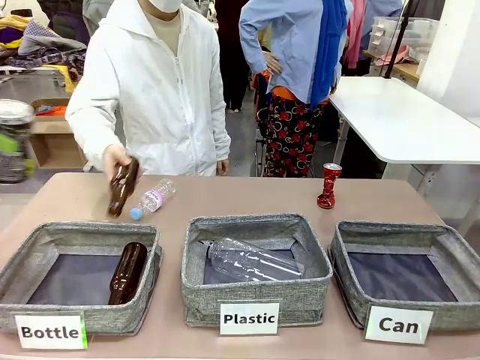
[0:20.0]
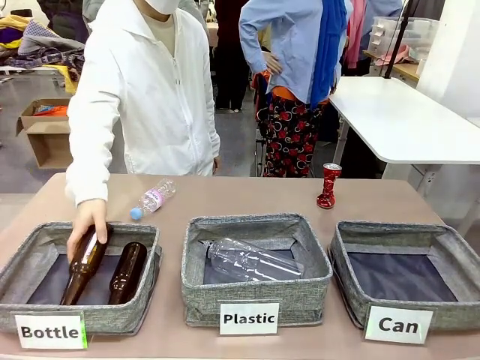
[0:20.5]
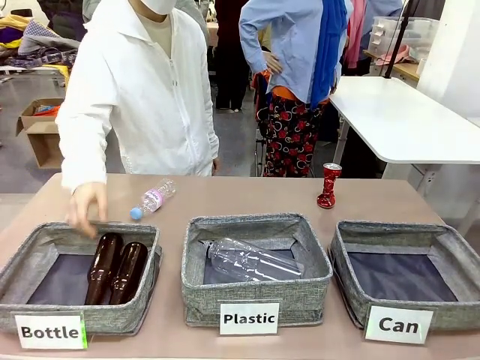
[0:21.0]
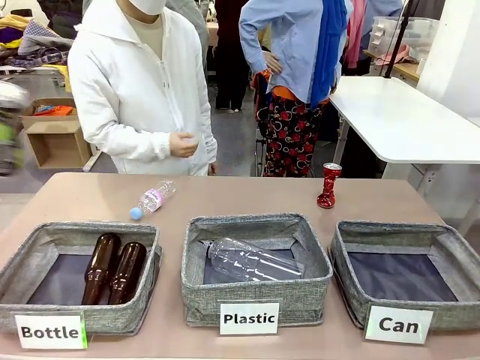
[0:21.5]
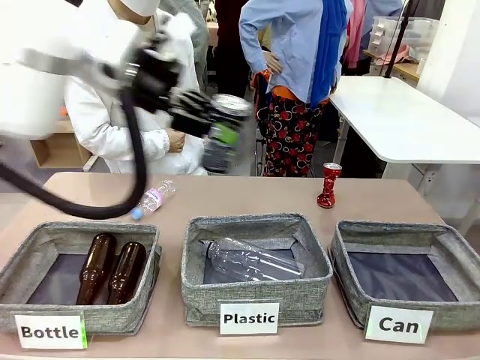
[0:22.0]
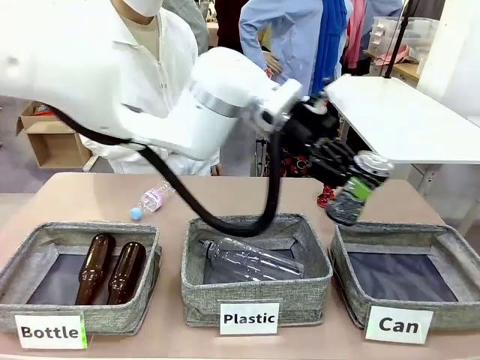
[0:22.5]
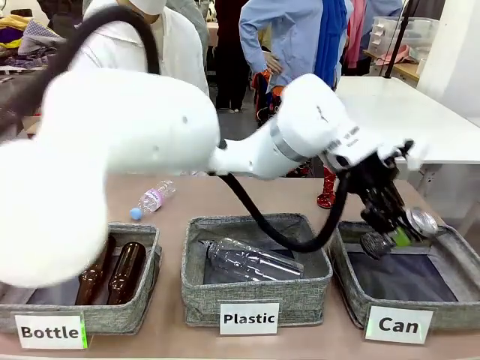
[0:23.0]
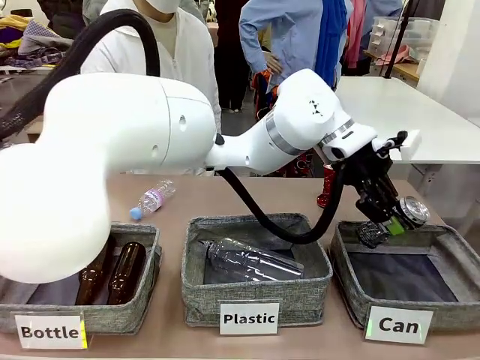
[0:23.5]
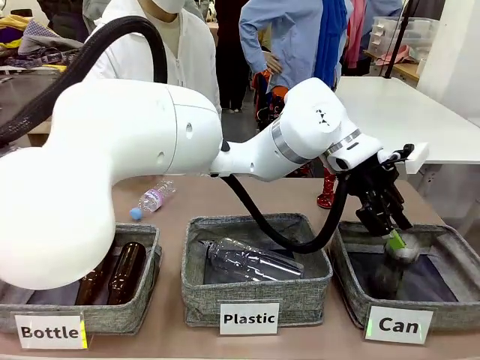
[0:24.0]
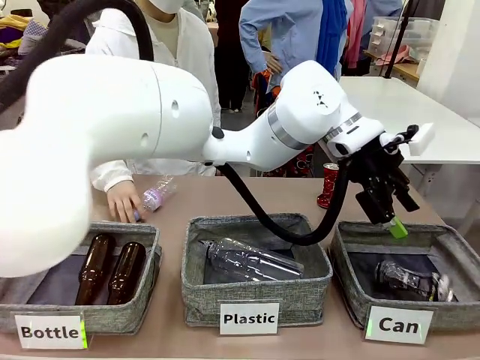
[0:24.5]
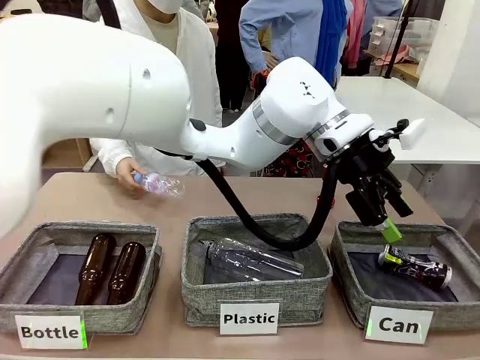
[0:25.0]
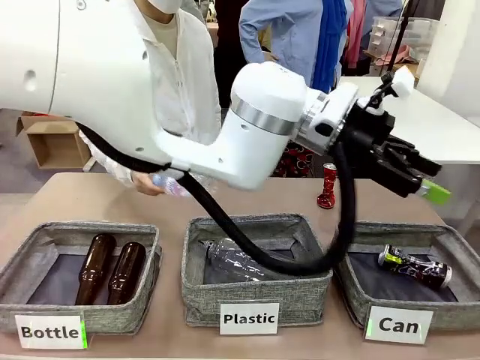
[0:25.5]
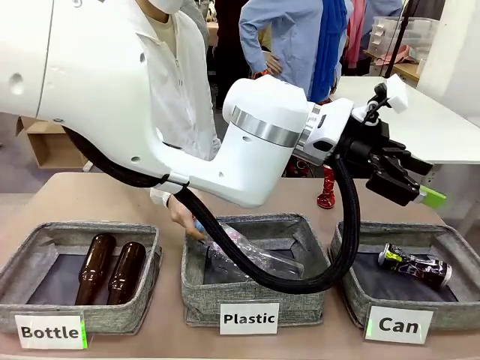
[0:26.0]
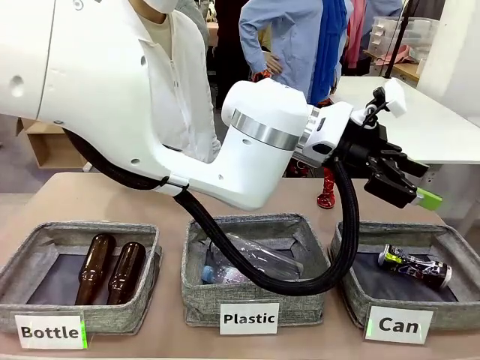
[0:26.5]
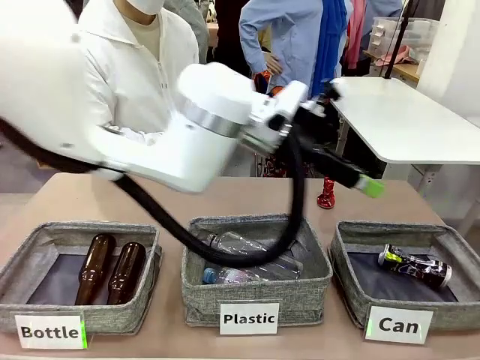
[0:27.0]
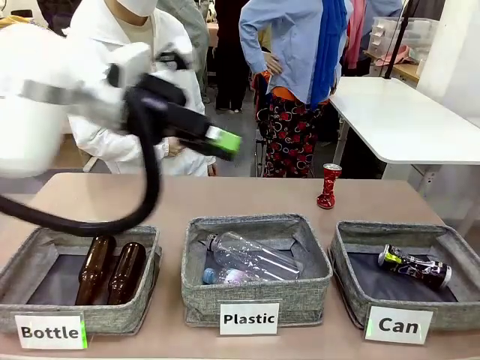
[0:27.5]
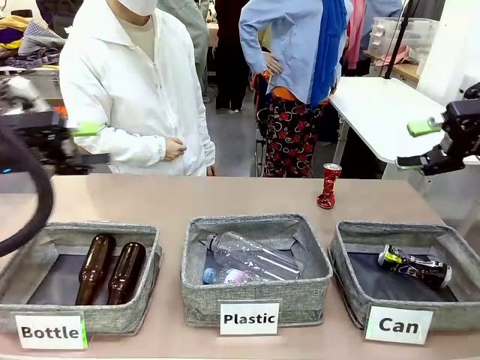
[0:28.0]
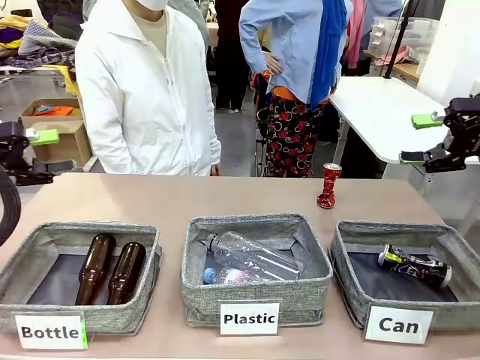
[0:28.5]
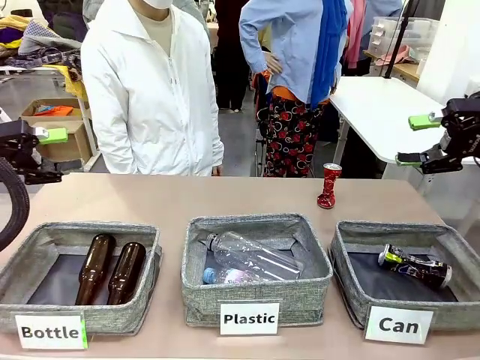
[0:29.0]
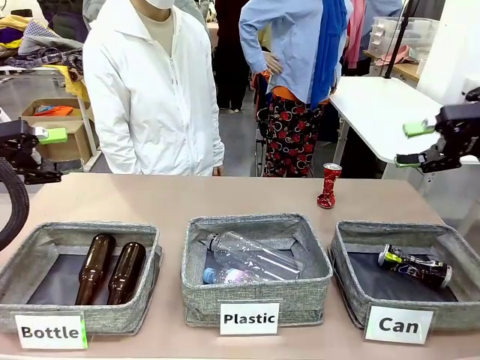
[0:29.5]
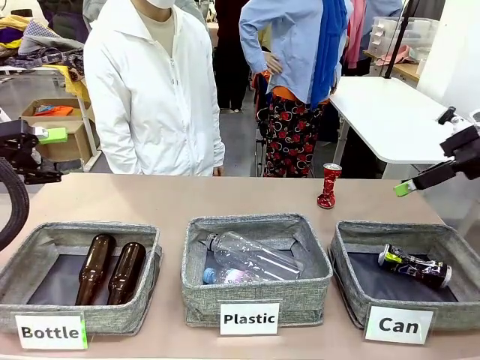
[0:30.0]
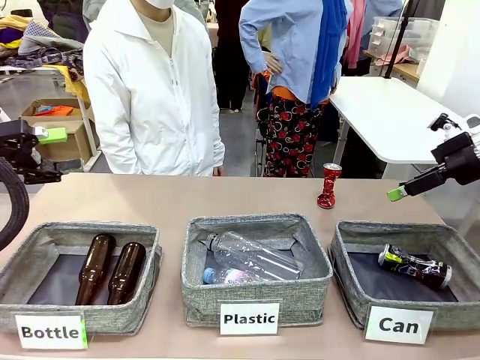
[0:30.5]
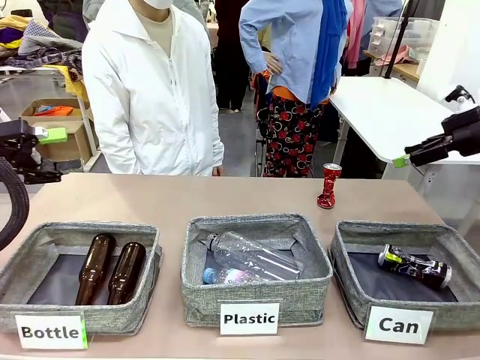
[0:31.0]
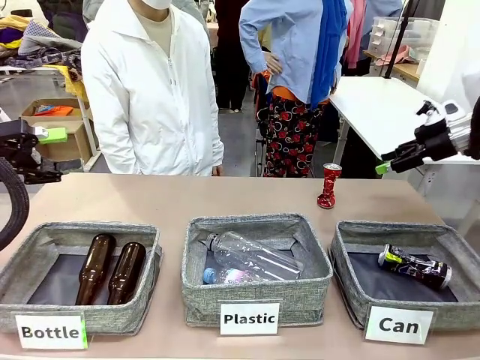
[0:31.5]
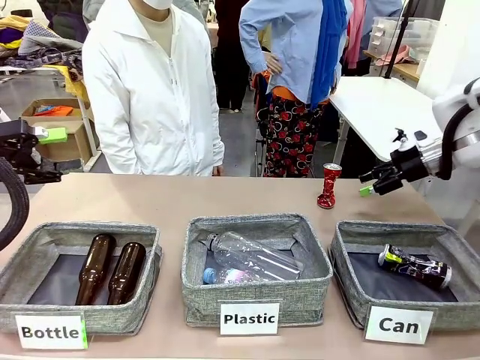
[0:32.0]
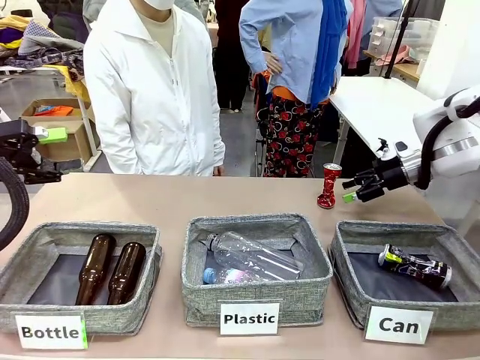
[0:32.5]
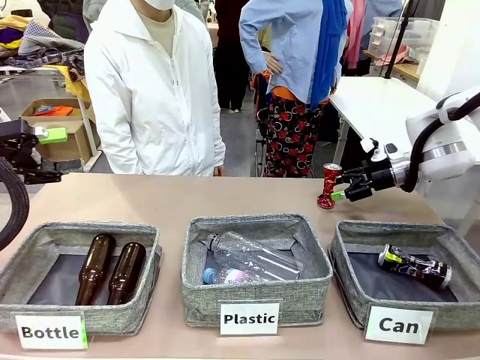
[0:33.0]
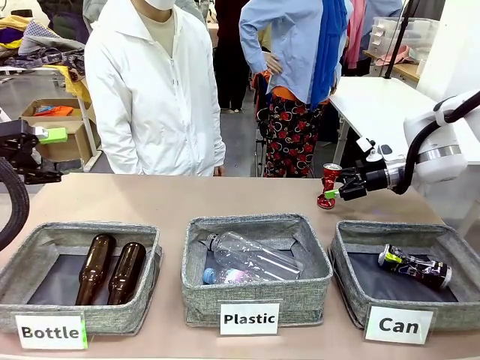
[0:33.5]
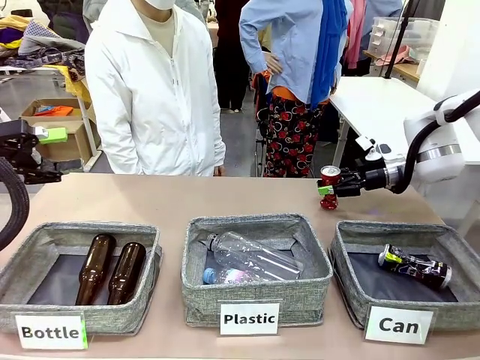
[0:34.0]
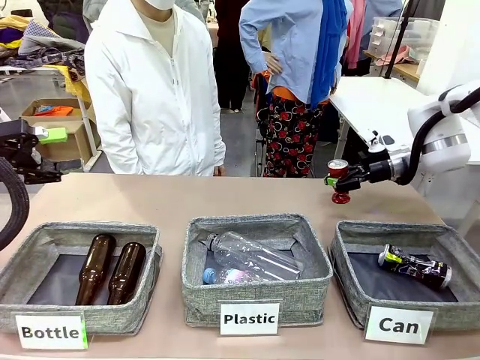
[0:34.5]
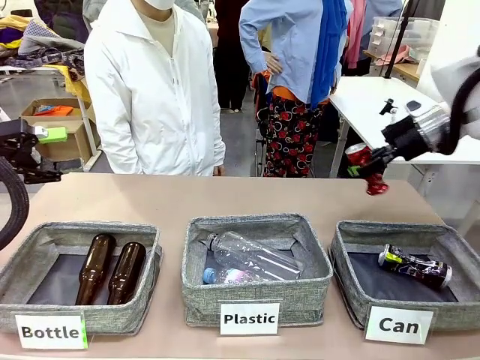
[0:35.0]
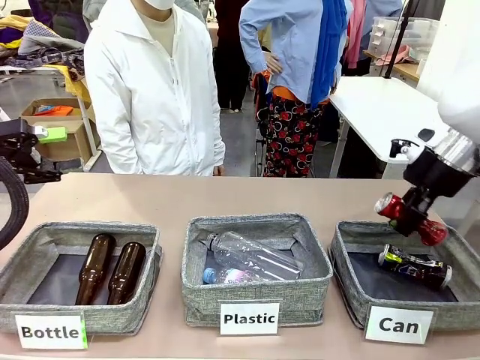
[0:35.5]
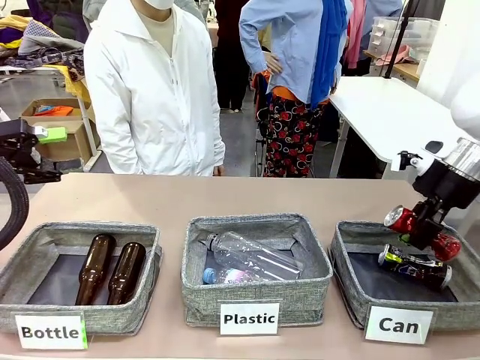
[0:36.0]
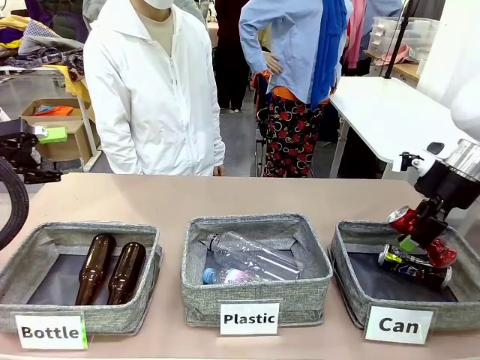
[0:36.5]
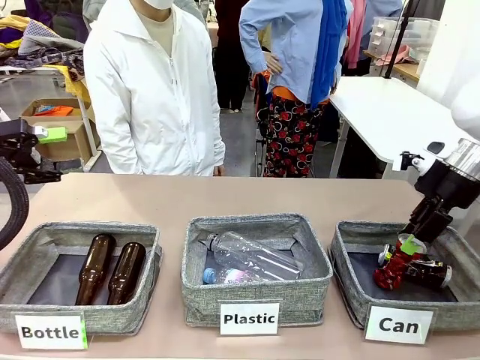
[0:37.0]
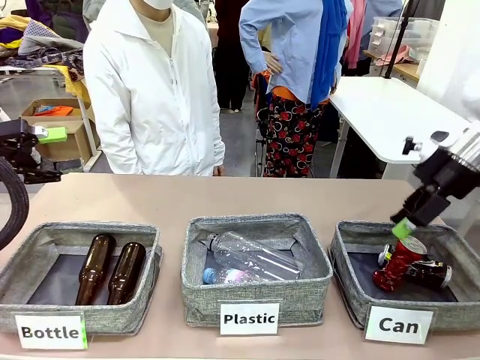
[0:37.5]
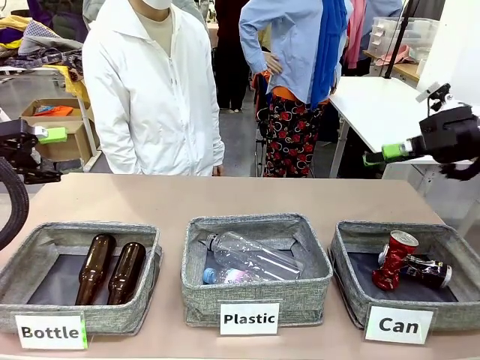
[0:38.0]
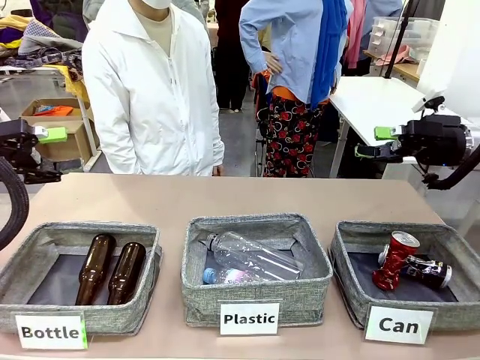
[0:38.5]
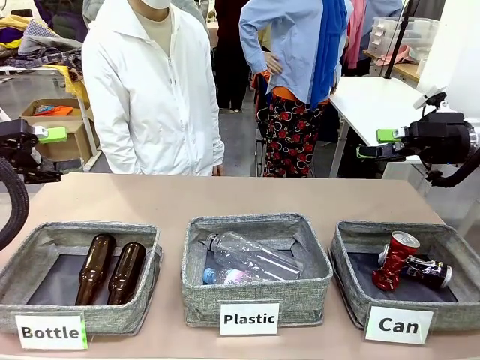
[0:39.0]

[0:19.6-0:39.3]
Task: Sort the can waste into the basket.
Robot: Pick up the can waste from the table and place it in the right Fabric basket.
Person: The human picks up one piece of trash that is not a can and places the trash into the appropriate organizing basket.

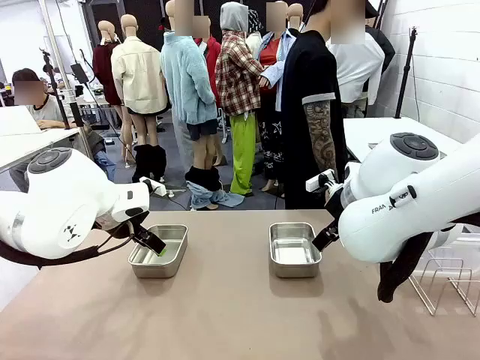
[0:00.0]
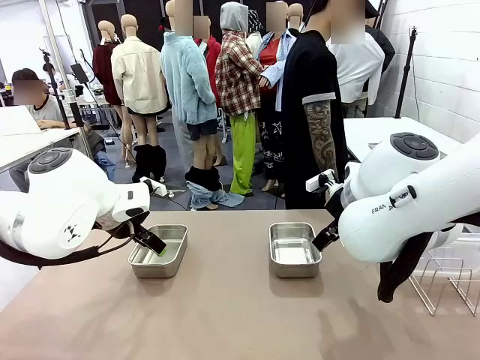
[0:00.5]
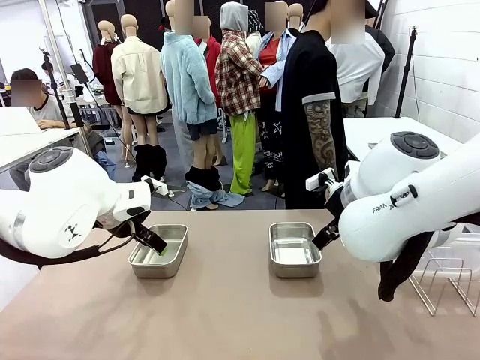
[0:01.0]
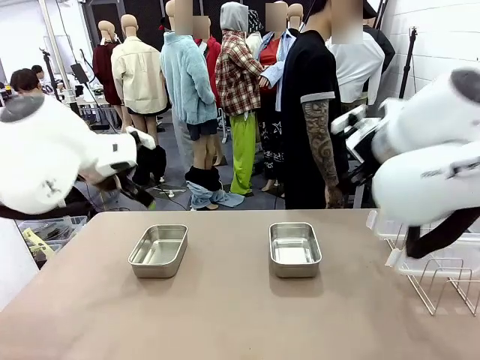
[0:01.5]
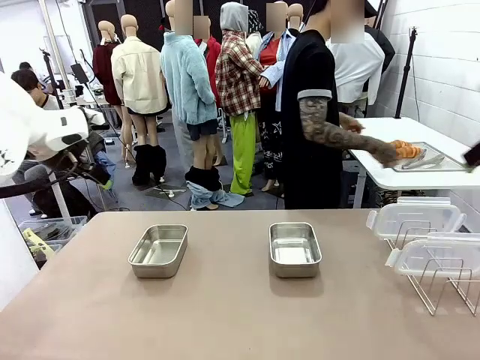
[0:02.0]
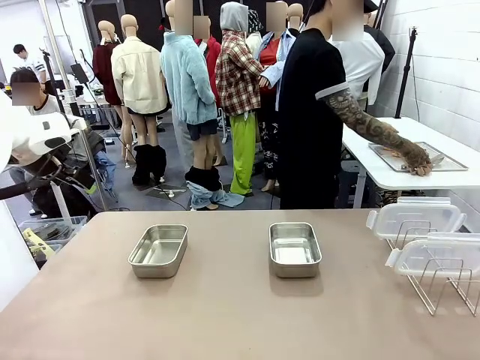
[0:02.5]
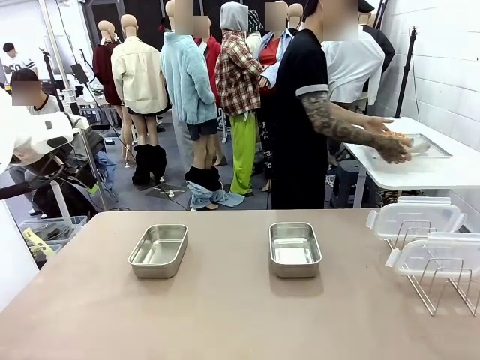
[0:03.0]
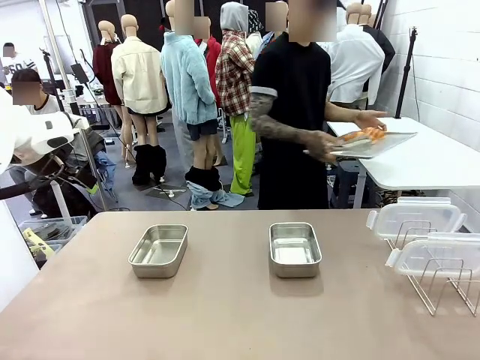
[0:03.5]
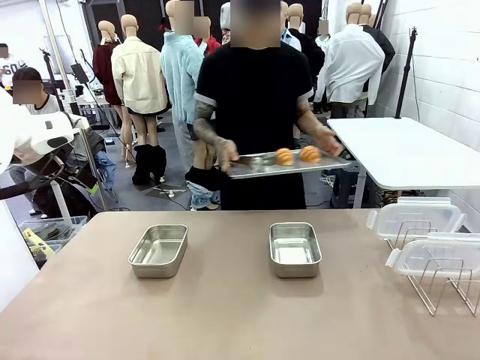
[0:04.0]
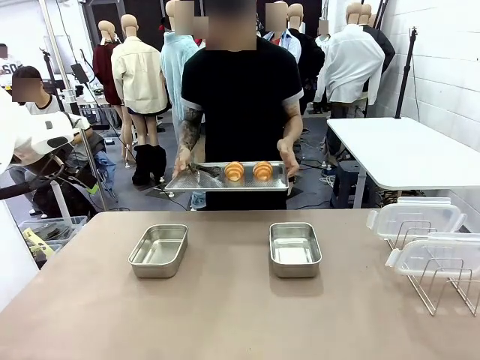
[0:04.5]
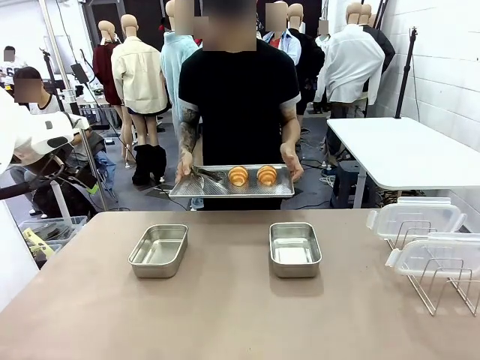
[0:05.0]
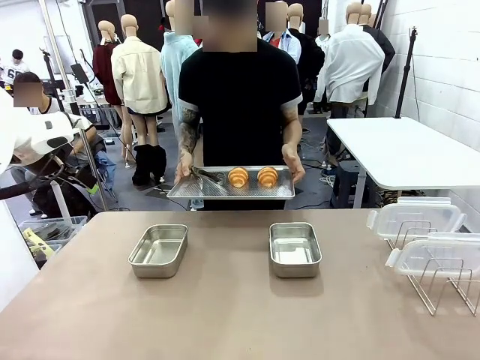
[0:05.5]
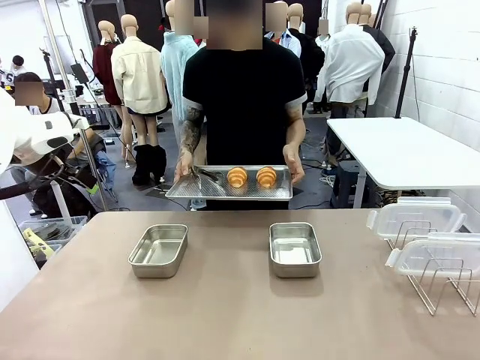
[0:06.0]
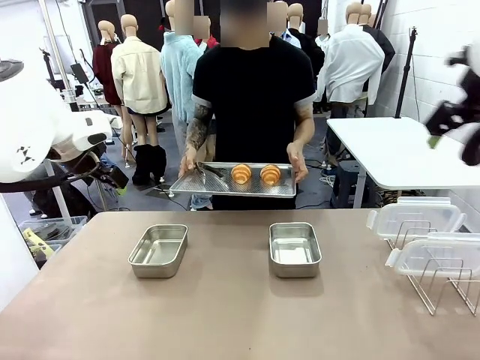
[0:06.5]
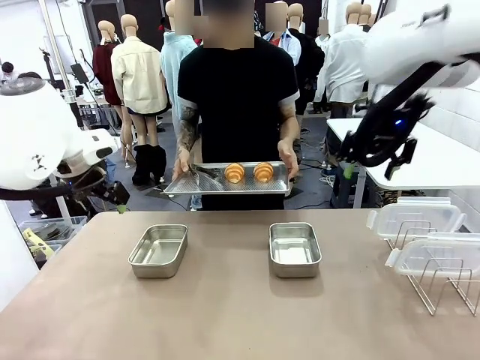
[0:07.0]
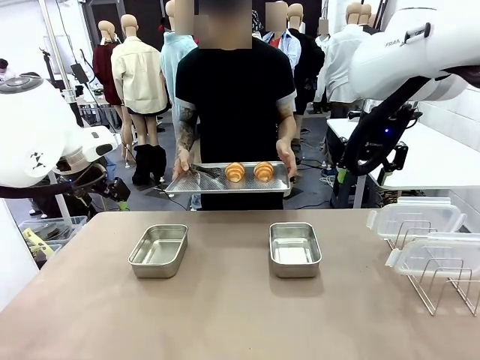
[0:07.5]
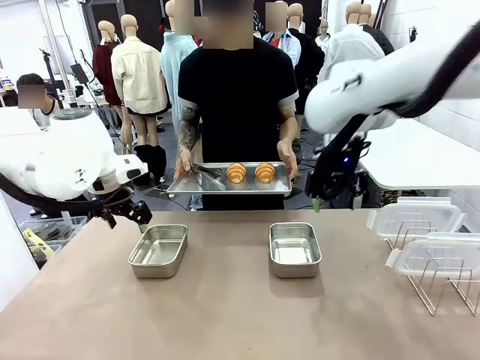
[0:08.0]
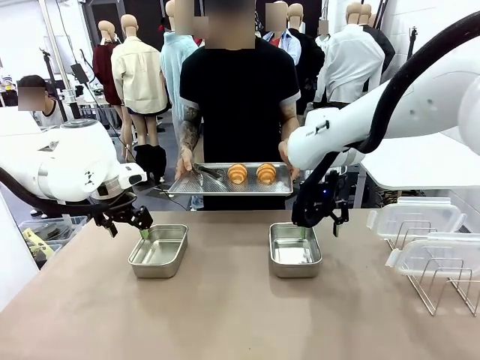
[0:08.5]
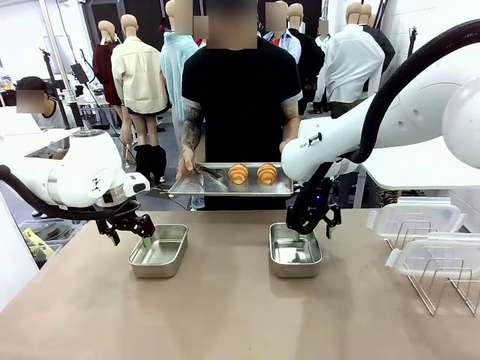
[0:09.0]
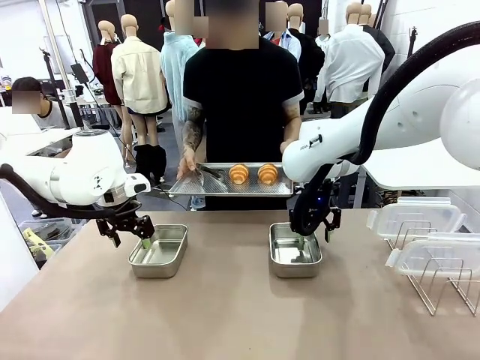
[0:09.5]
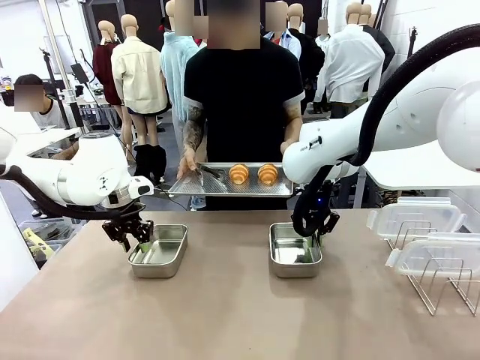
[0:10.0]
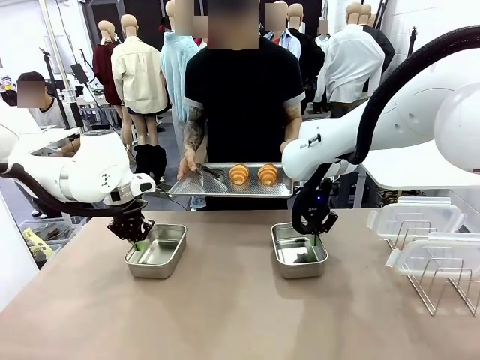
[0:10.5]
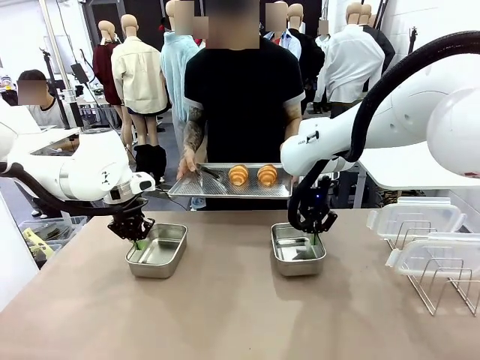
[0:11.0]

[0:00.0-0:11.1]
Task: Place the bread in airtight containers.
Robot: Lift both Airtight Container.
Person: Bring the Baking Sheet in front of Robot's Table.
